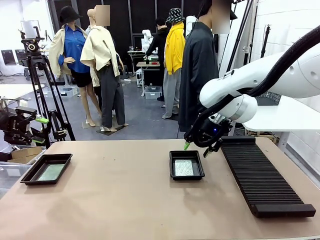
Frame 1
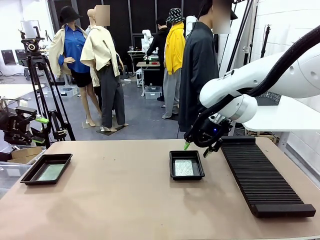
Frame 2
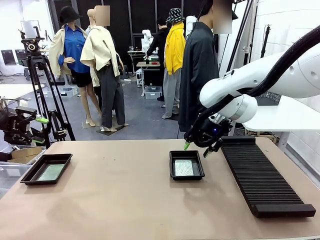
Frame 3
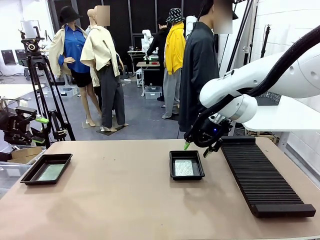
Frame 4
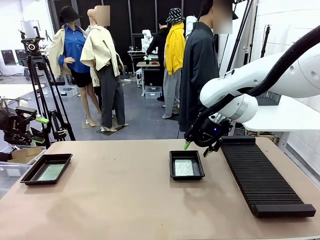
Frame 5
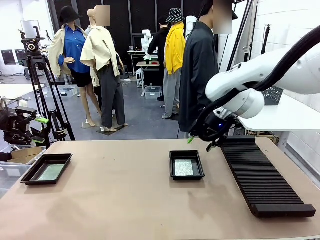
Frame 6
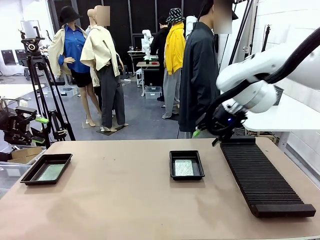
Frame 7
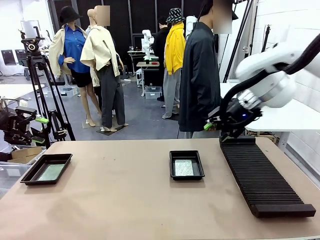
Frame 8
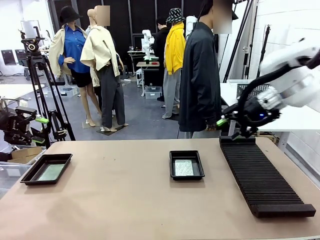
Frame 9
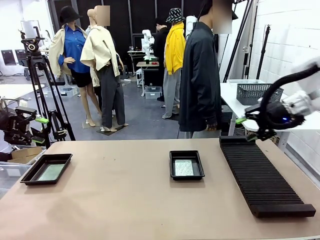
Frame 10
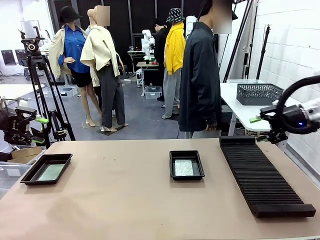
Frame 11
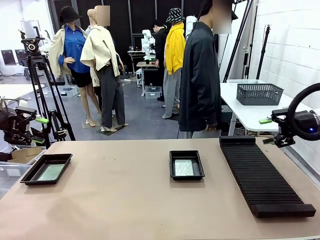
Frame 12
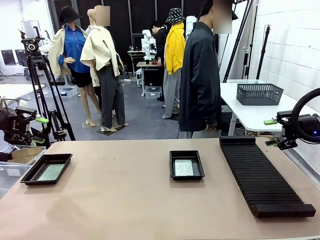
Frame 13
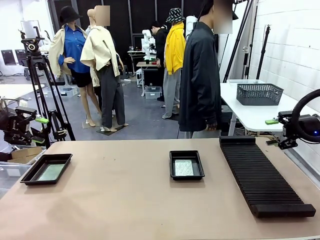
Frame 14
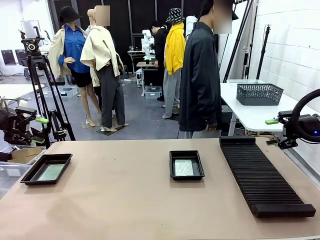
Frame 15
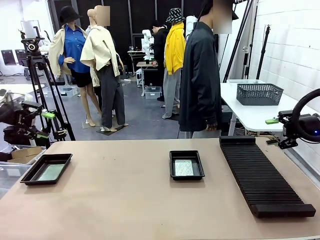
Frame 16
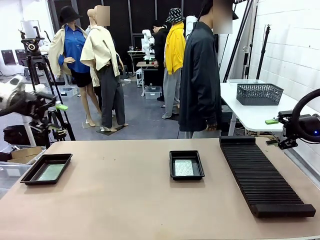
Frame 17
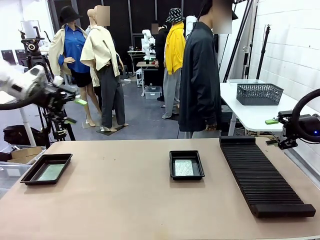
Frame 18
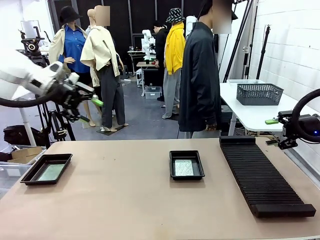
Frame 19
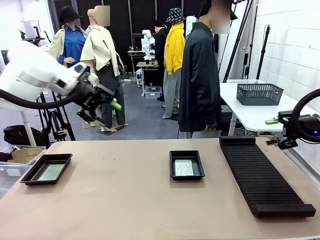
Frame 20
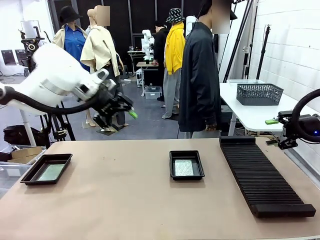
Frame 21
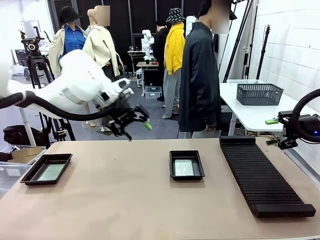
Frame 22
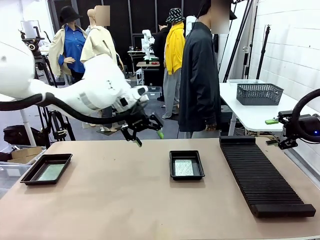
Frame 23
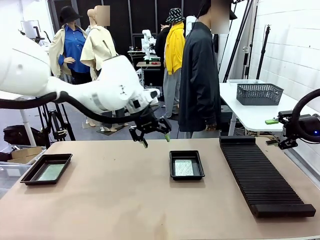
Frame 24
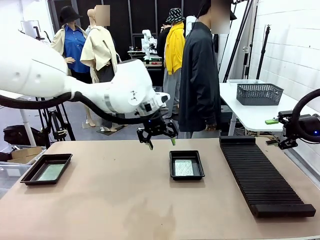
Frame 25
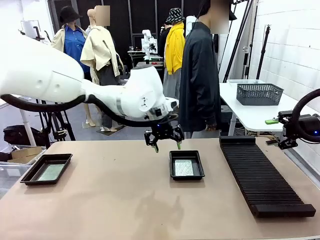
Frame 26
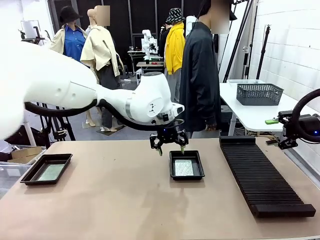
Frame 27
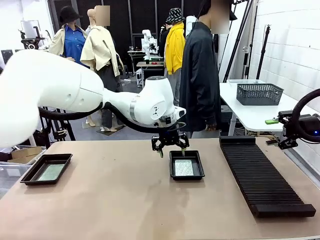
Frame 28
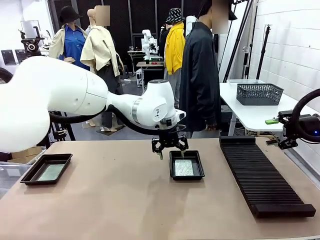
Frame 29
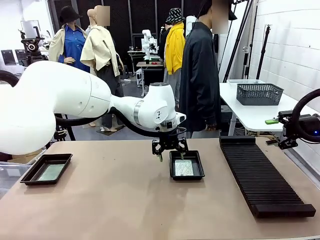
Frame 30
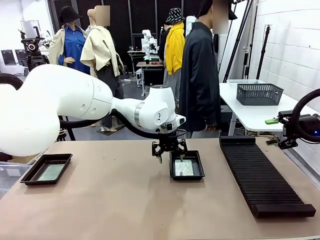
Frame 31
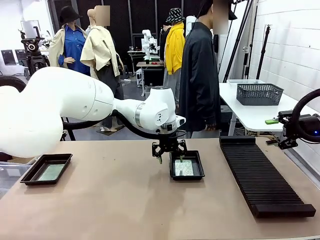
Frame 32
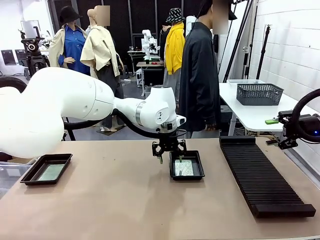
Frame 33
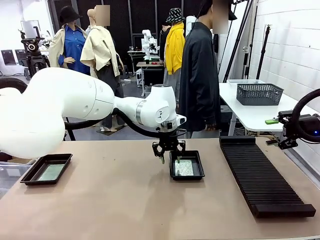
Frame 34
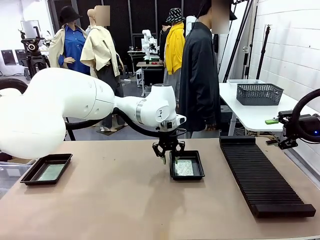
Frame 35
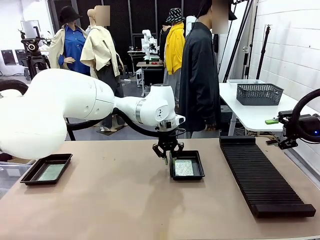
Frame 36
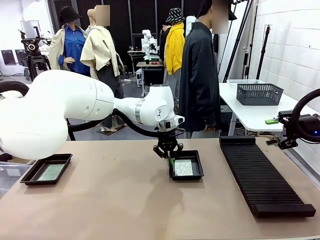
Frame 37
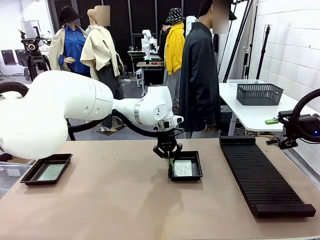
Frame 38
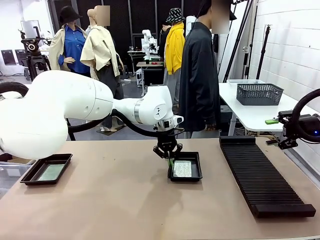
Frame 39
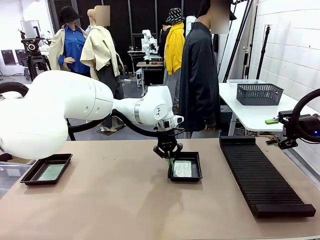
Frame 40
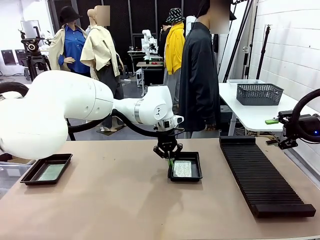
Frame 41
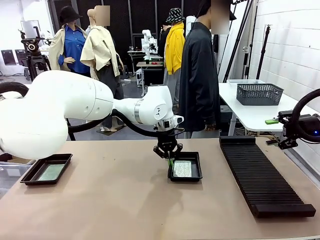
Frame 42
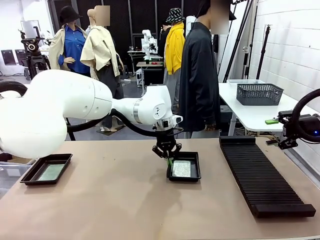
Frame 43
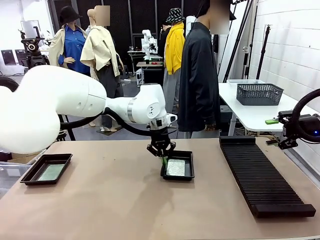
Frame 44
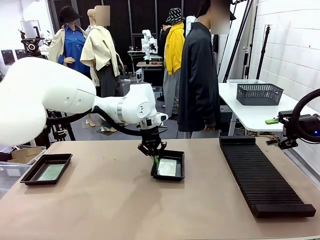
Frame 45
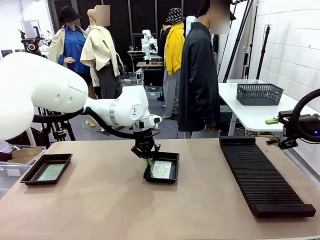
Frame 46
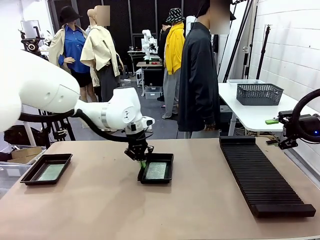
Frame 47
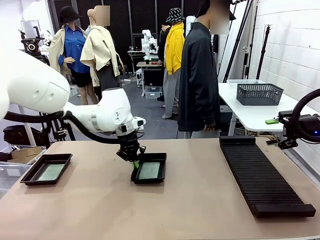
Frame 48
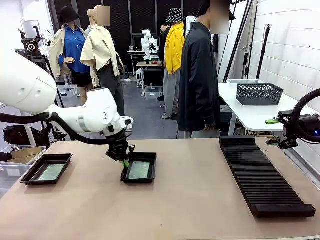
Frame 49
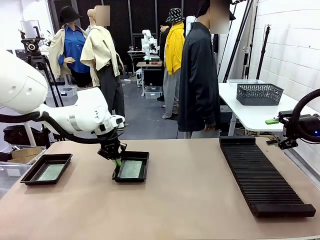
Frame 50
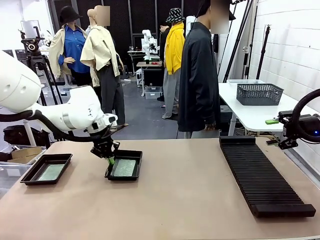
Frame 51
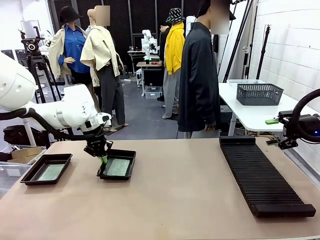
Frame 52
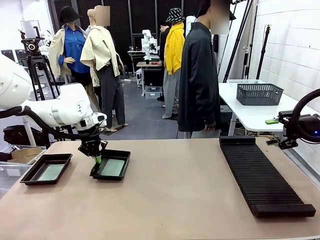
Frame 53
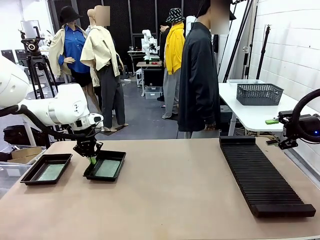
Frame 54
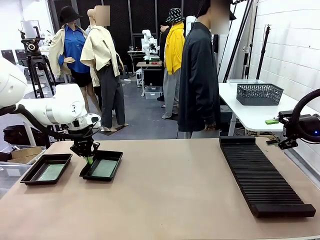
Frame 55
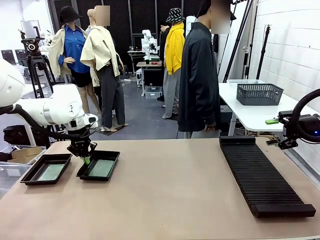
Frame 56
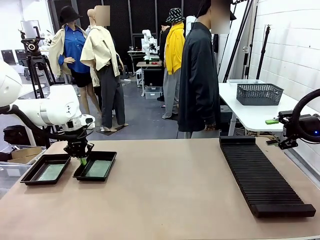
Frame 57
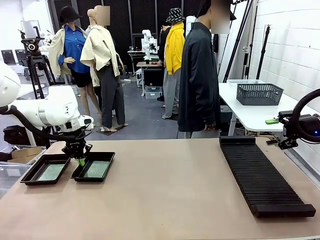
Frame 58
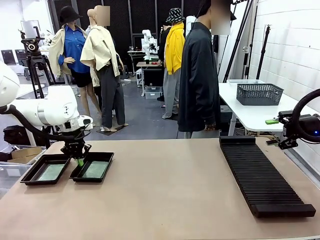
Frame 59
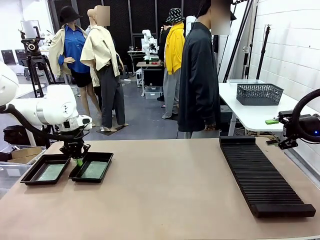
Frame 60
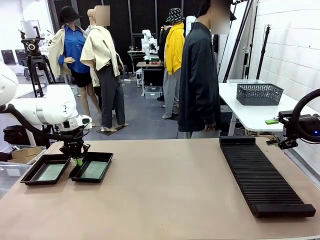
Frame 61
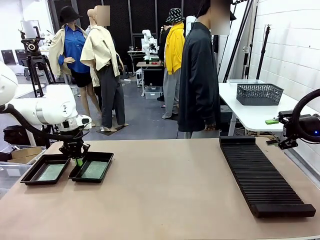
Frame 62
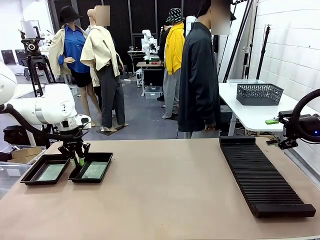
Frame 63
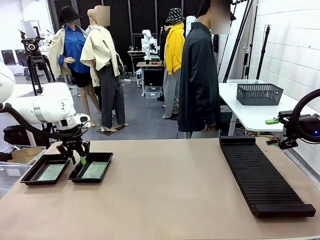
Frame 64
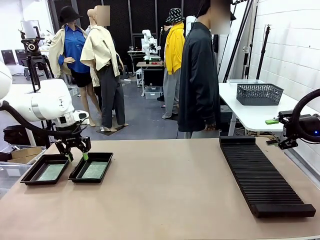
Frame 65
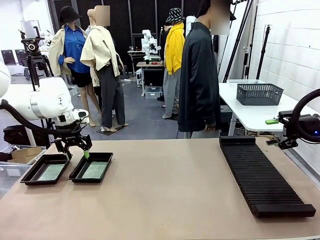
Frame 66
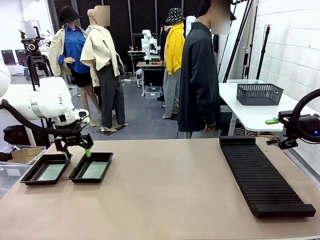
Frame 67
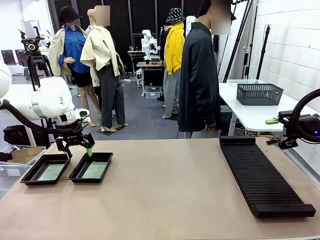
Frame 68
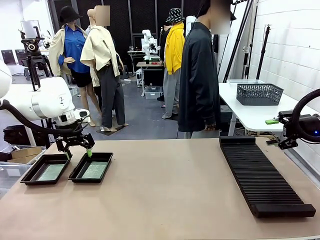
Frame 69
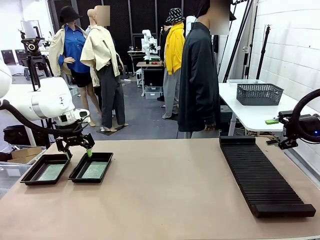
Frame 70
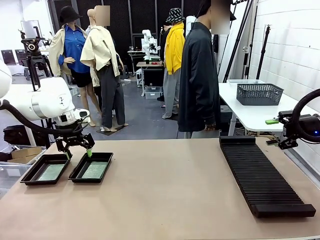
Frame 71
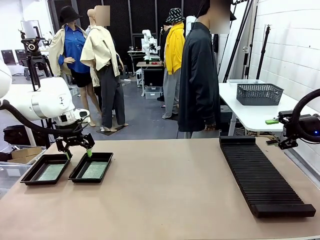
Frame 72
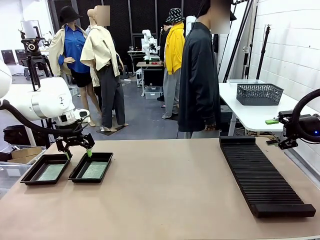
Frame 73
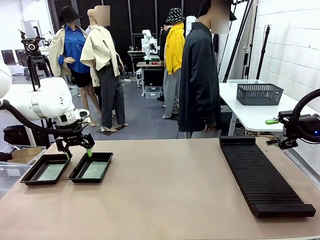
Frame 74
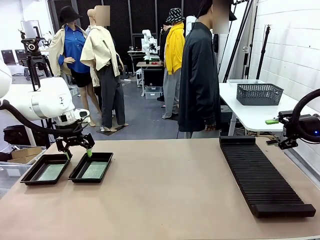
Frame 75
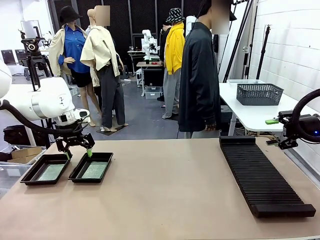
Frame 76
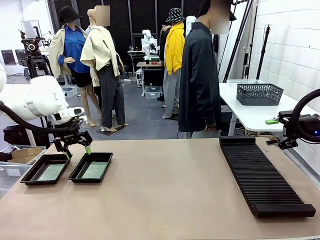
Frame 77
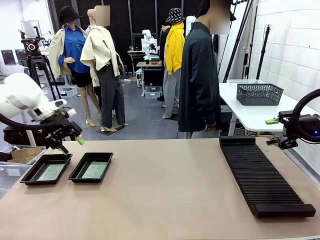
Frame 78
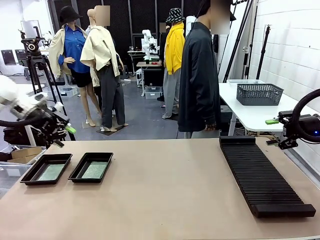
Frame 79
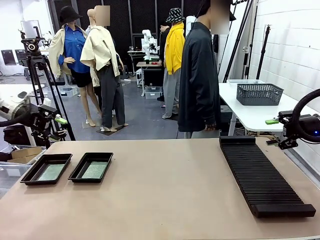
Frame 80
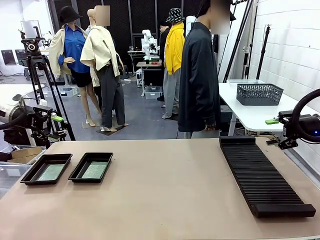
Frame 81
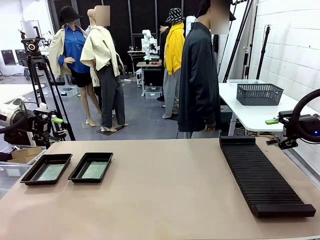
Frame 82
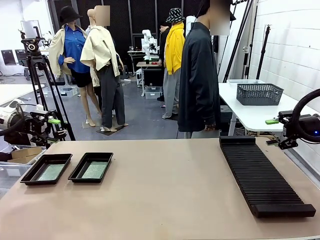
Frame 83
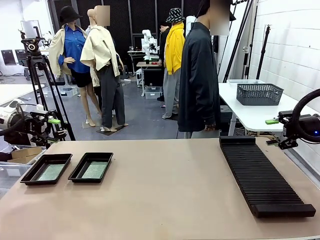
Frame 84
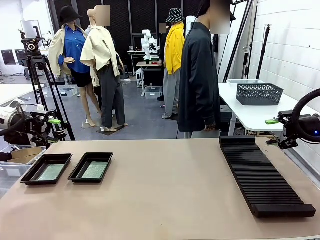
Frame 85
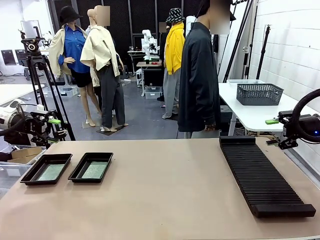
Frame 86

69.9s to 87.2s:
Task: Inspect and transfer BCBs to ESD trays.
Robot: Pick up the ESD tray and place it on the left side of the table.
